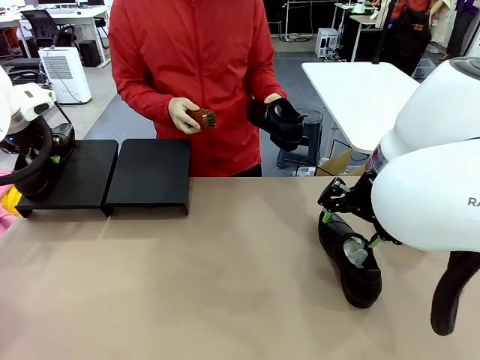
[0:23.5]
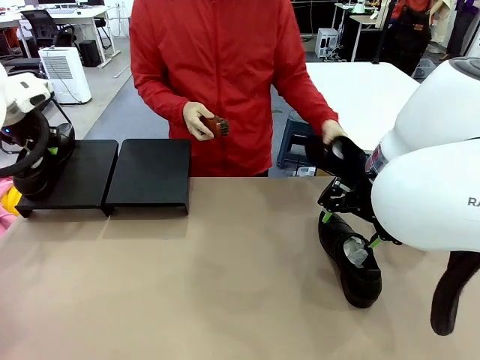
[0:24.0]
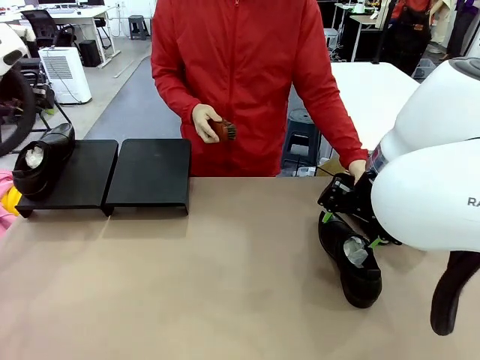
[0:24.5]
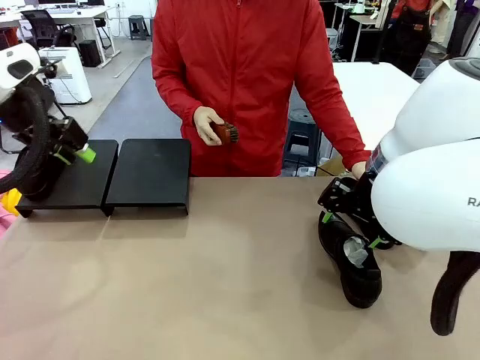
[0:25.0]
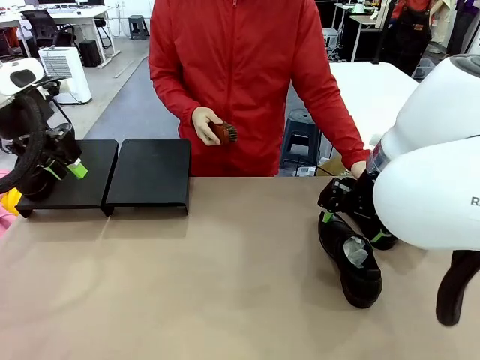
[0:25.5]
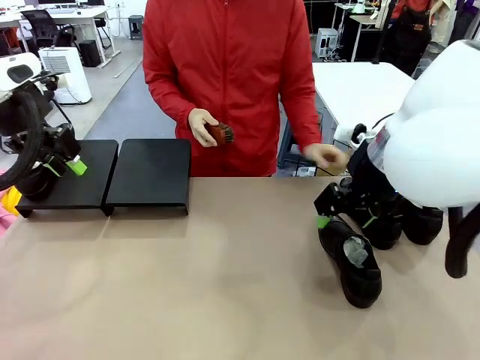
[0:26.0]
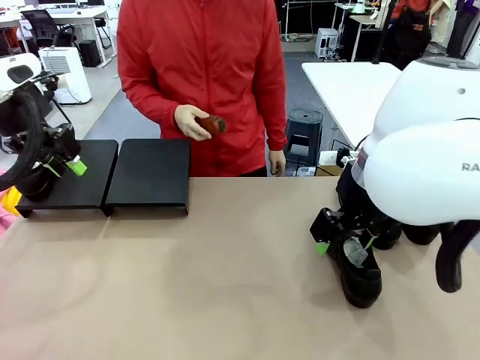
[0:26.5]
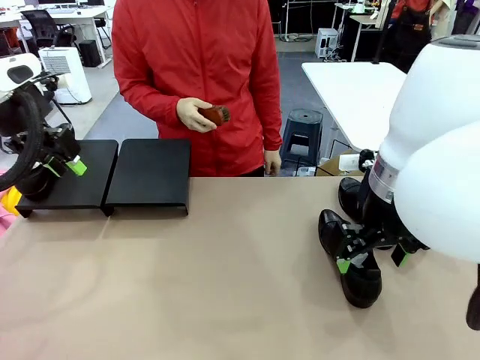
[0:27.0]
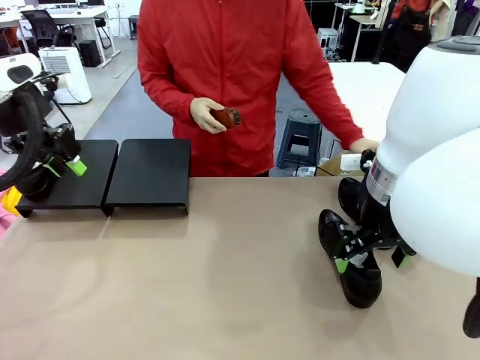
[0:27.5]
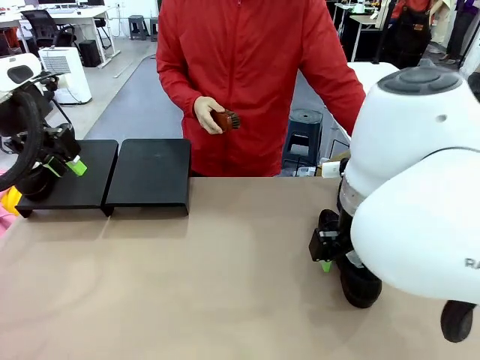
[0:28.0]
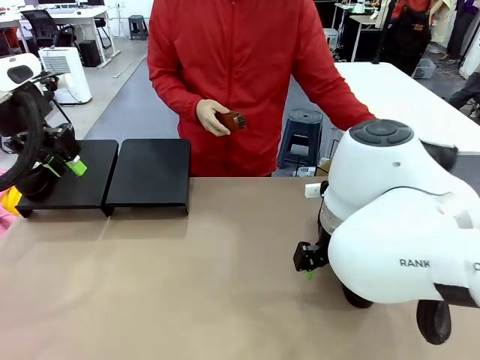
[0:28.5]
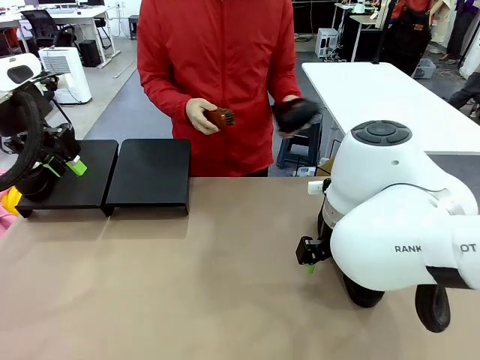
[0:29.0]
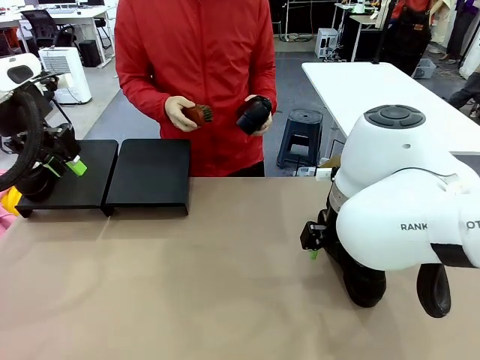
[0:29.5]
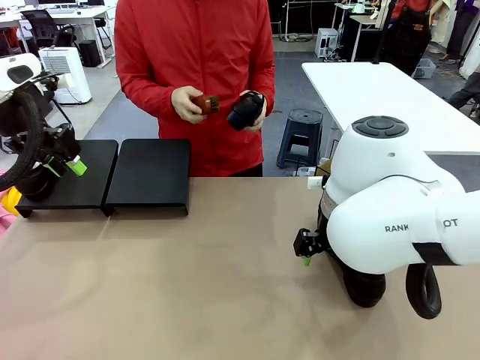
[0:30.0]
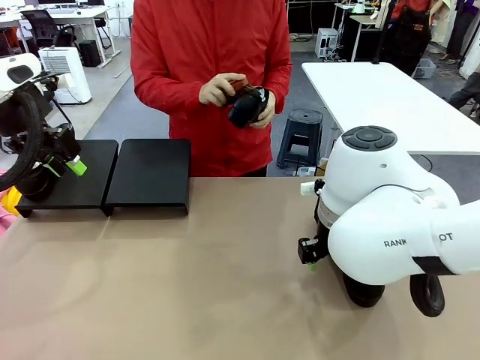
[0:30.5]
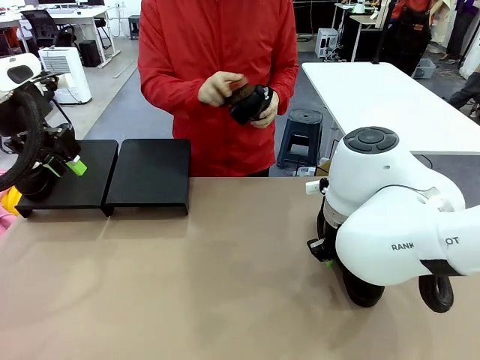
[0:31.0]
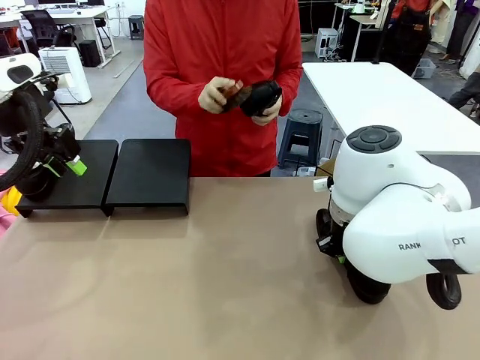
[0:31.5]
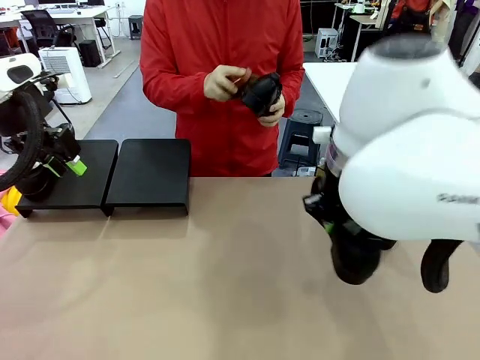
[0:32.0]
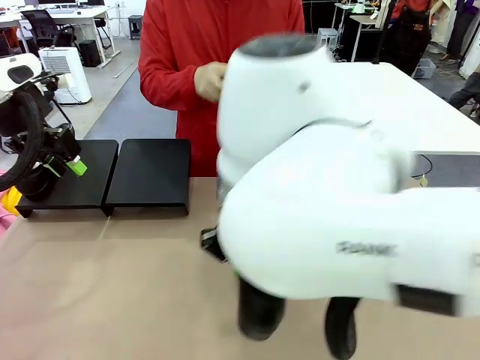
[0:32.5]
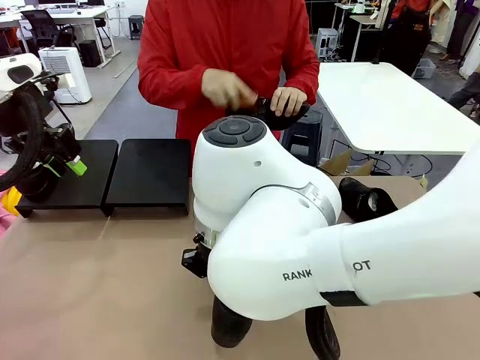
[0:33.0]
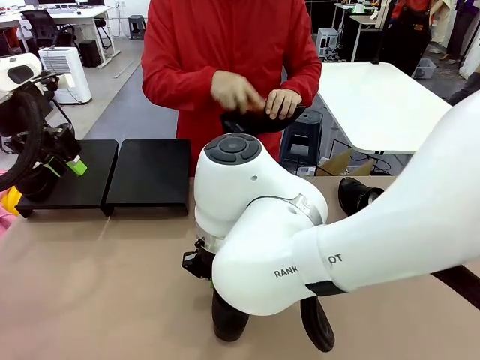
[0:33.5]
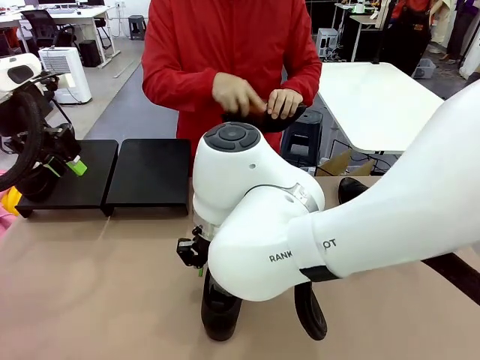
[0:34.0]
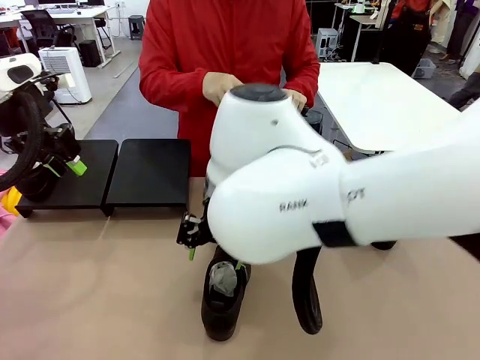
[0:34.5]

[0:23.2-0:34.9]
Task: Organize the shoes by placing them on the stand.
Robot: Pick up one Shoe and place it in the middle of the table.
Person: Place the Shoe on left side of the Robot's table. Pick one Shoe on Robot's table.

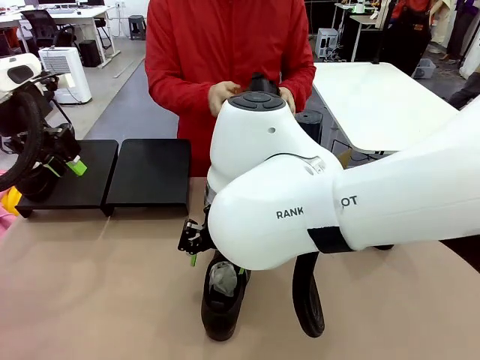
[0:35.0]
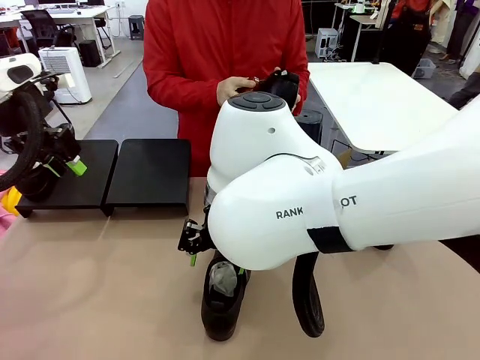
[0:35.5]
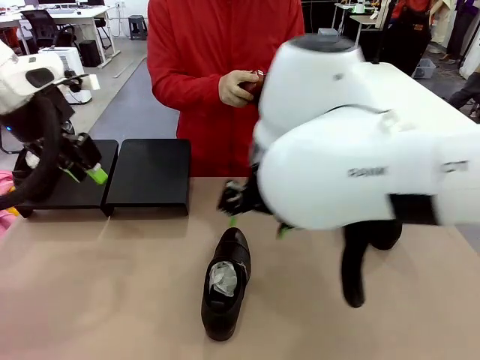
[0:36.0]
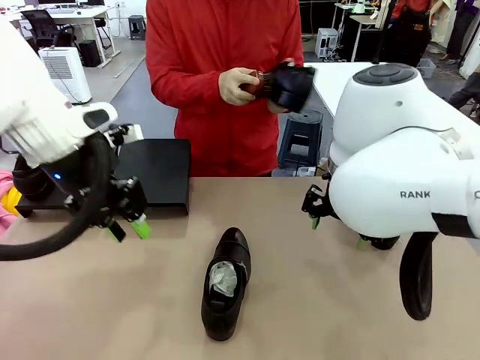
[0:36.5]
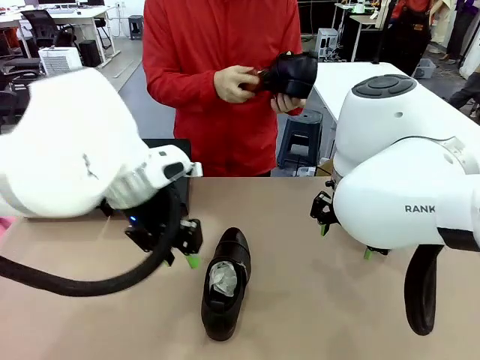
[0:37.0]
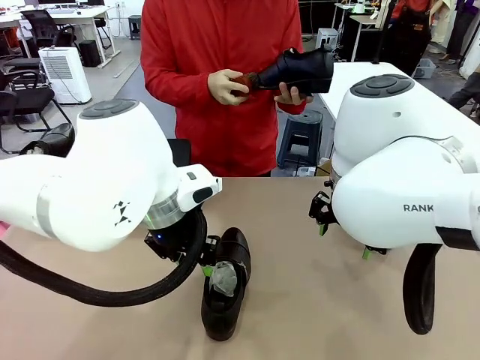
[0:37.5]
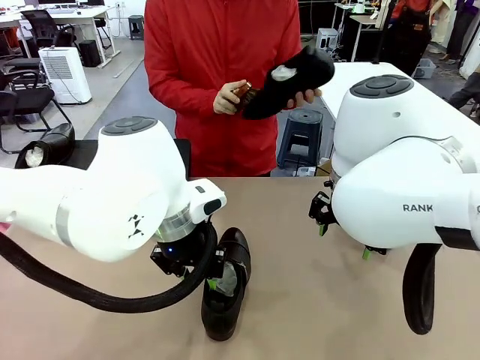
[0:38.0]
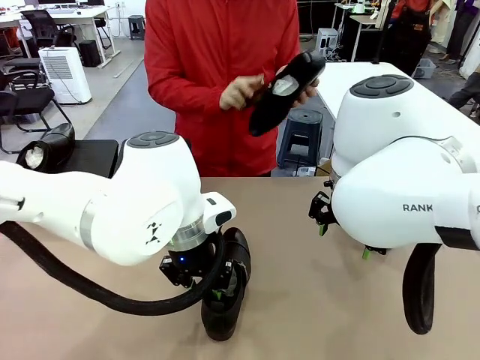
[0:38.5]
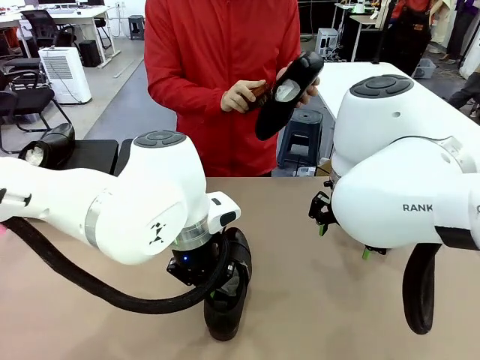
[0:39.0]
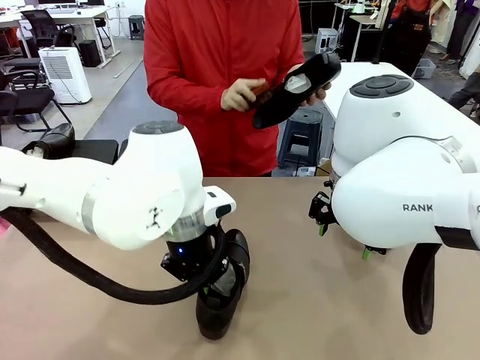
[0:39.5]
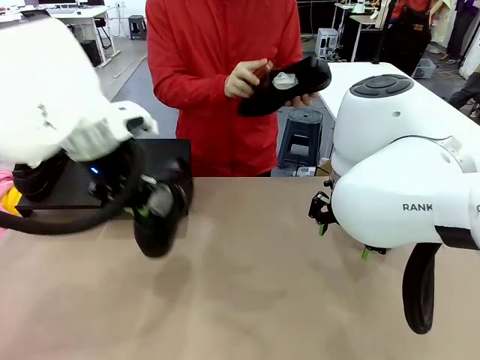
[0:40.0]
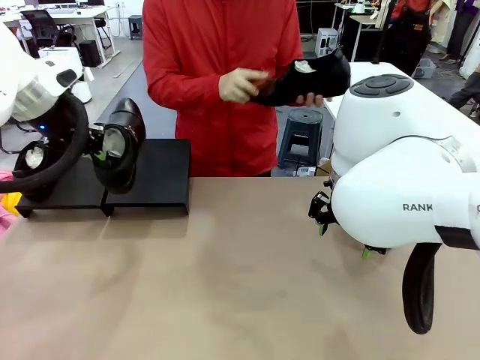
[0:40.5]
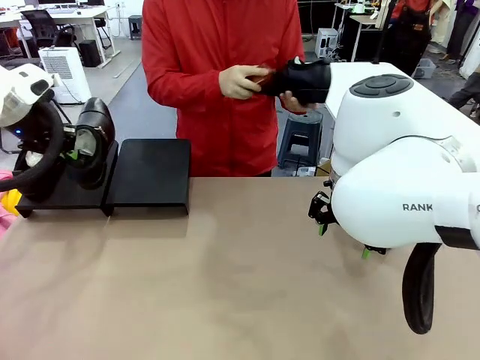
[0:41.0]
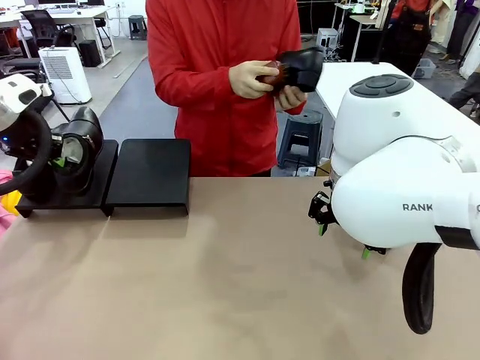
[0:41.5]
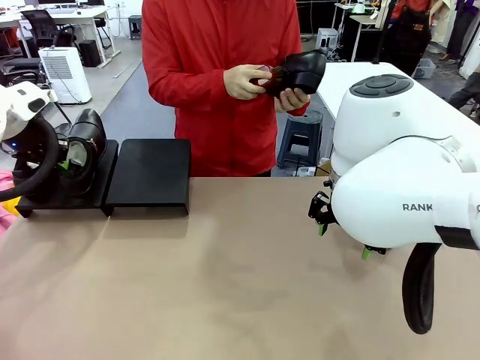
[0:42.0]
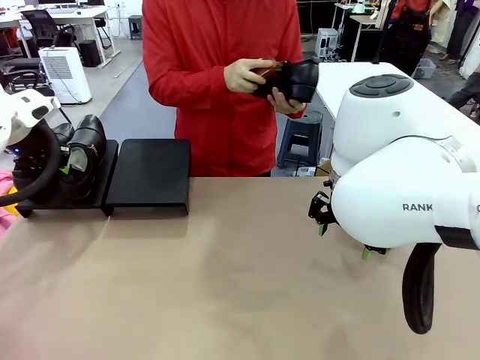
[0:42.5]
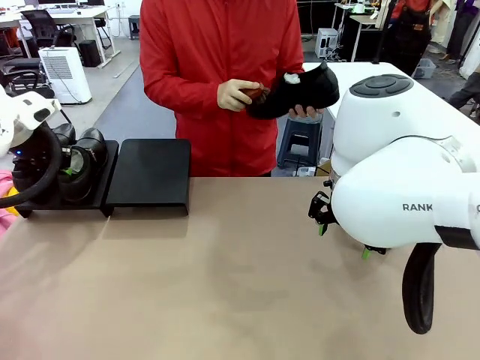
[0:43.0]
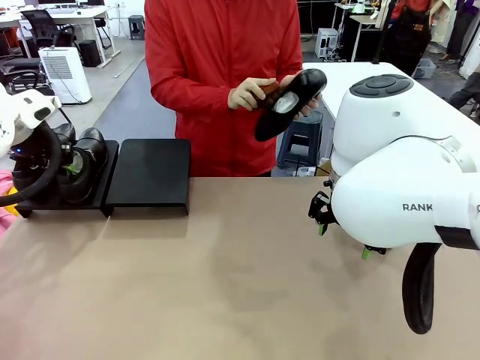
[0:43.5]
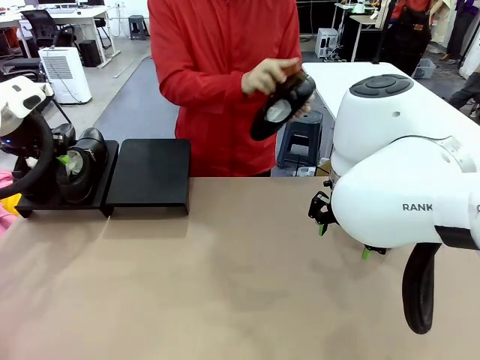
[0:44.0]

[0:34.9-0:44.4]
Robot: Place the Shoe from the middle of the table onto the Shoes Stand.
Person: Clean the Shoe with the Shoe Brush.

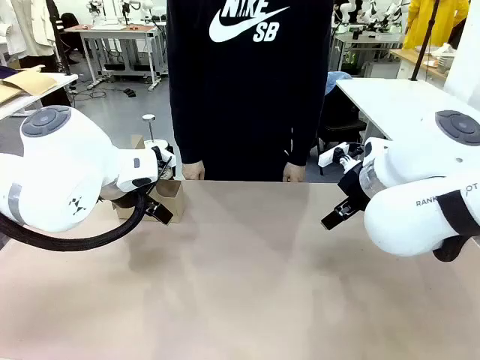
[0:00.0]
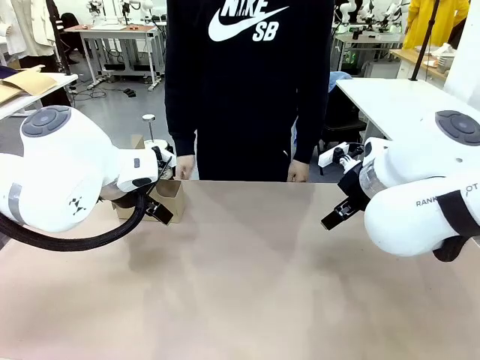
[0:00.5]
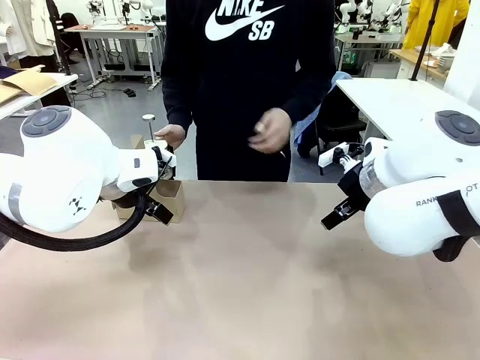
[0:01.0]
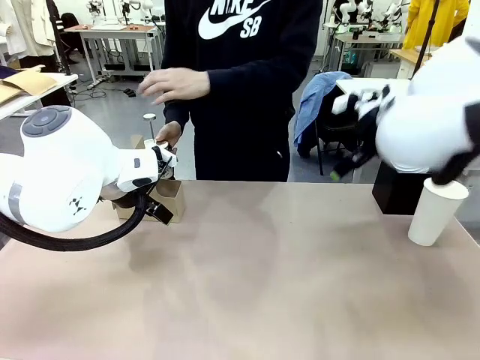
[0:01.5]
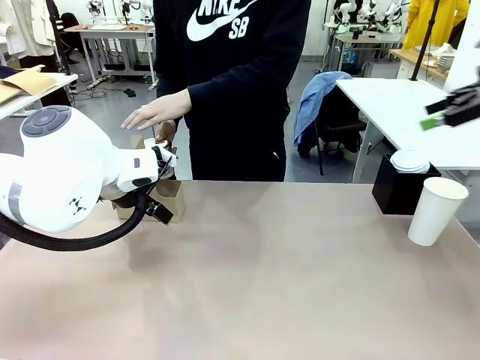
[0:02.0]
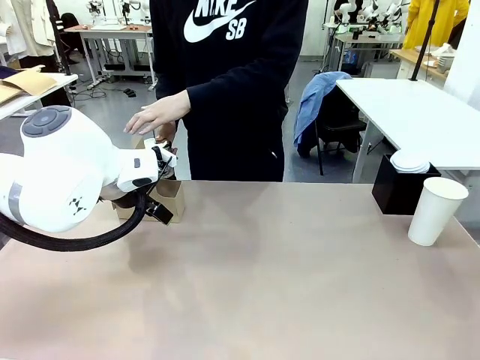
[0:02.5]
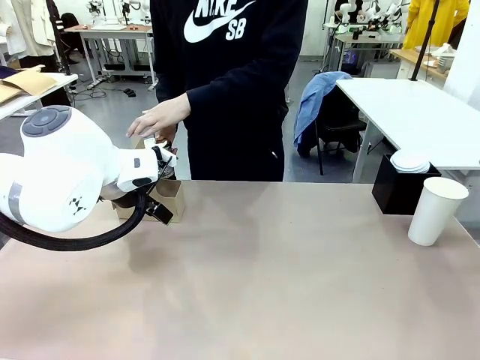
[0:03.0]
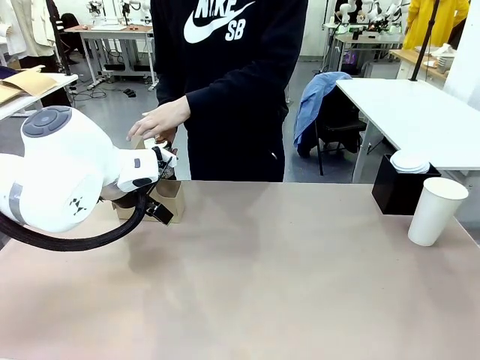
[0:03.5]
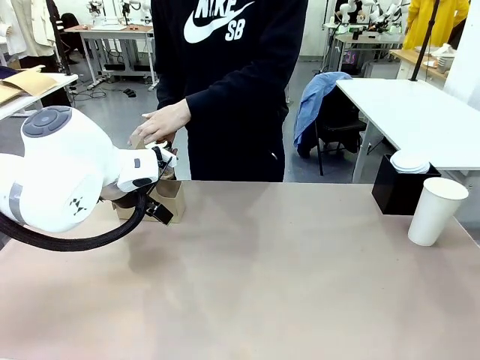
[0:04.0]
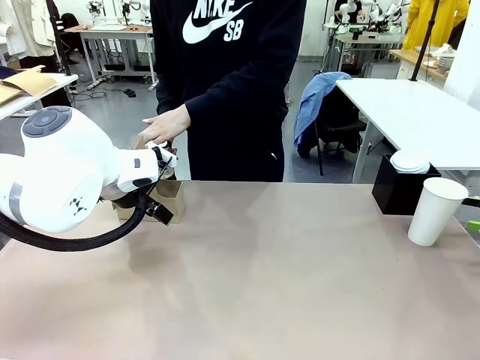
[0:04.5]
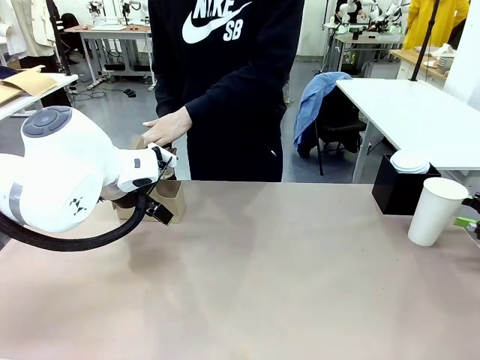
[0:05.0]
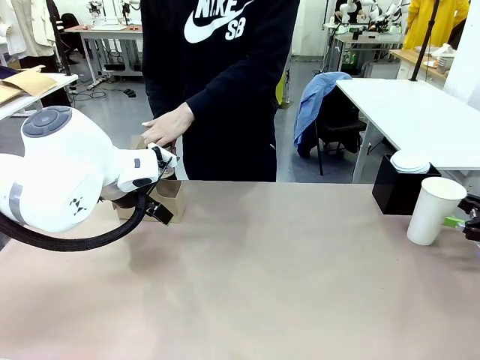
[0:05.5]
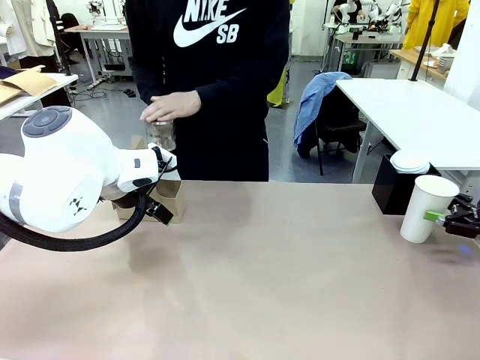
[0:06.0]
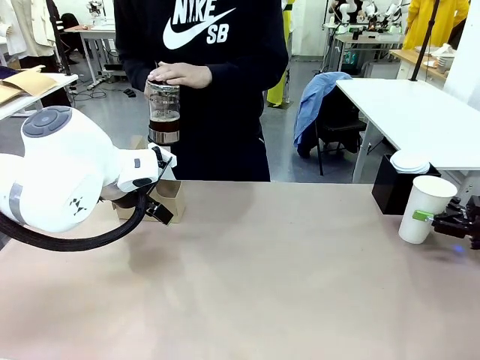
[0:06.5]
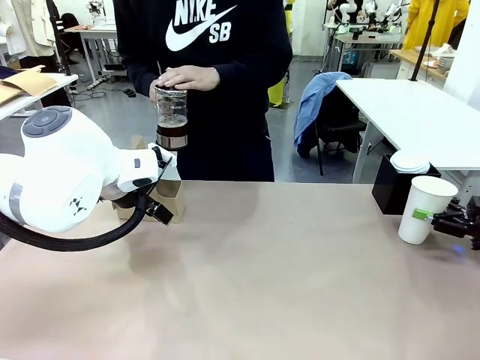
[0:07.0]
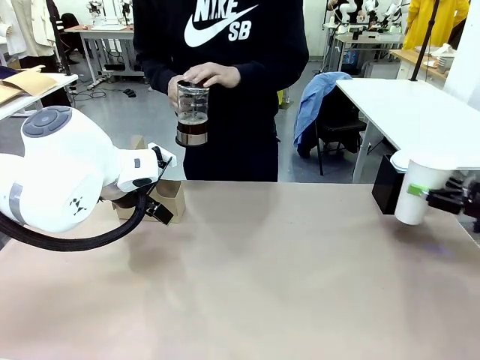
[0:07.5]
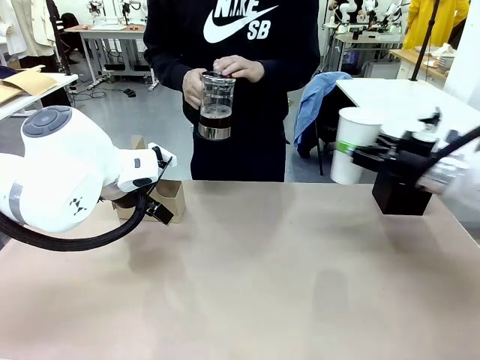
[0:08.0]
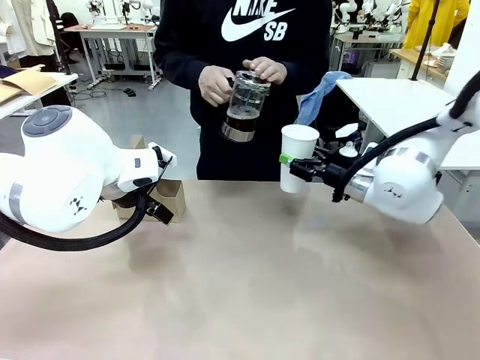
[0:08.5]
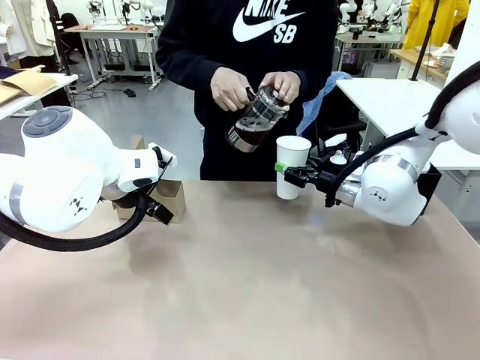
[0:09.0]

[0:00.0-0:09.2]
Task: Pour a drink into a cup and package it in a carrier.
Robot: Pick up the 600 ml Paper Cup and place it in the middle top area of the table.
Person: Press and pick up the Filter Brewing.
